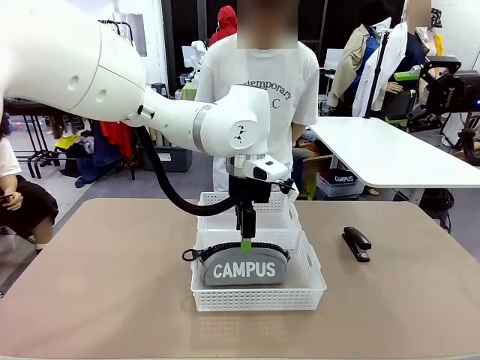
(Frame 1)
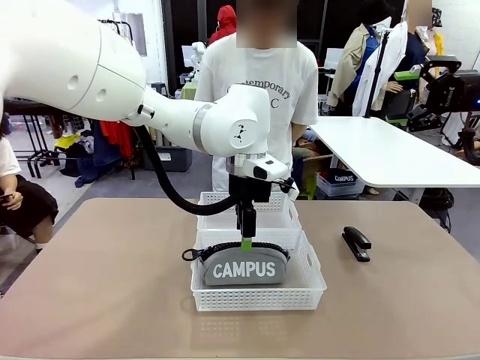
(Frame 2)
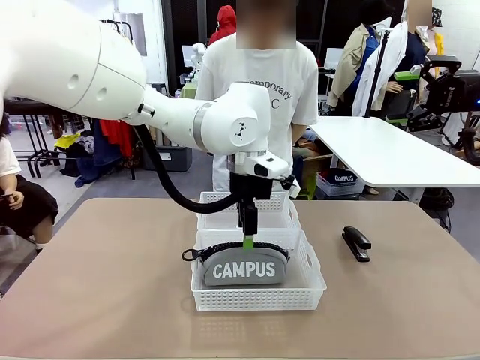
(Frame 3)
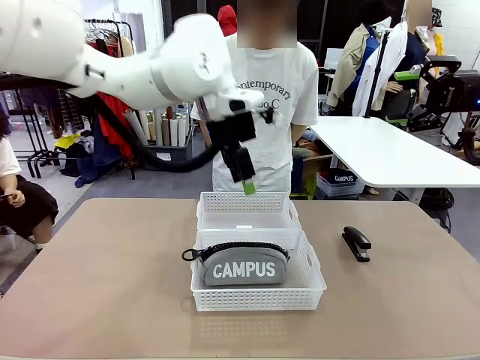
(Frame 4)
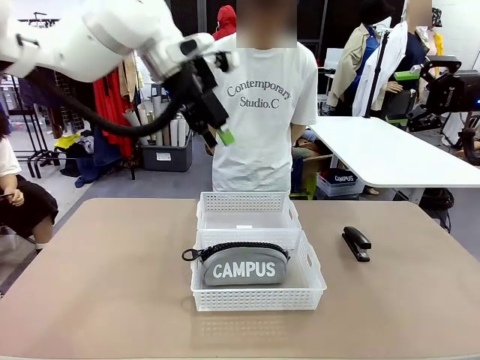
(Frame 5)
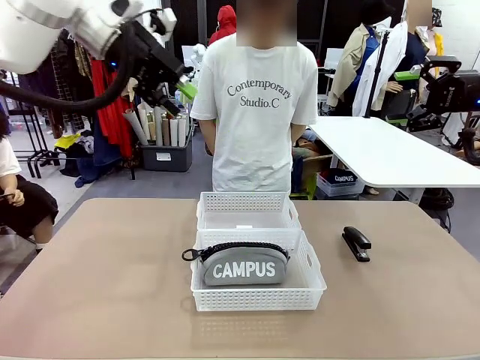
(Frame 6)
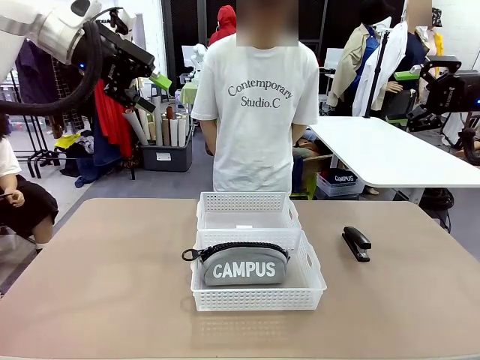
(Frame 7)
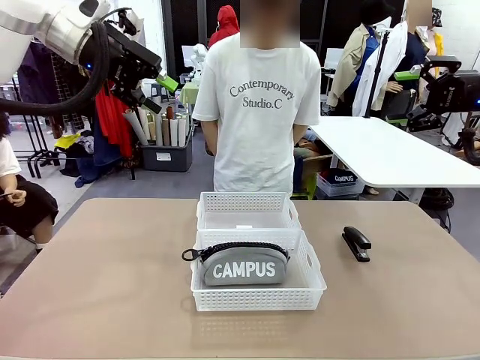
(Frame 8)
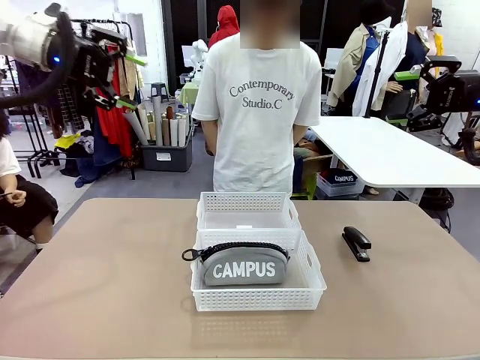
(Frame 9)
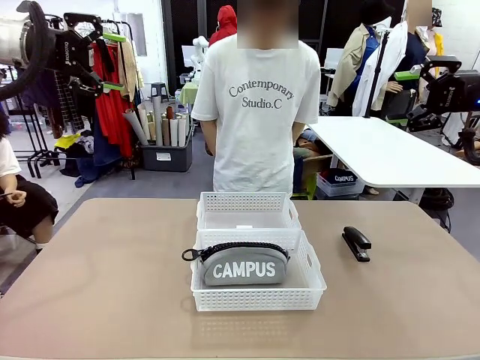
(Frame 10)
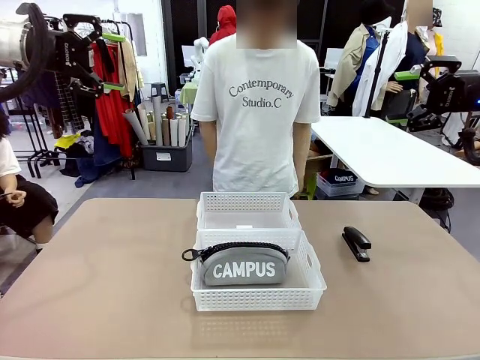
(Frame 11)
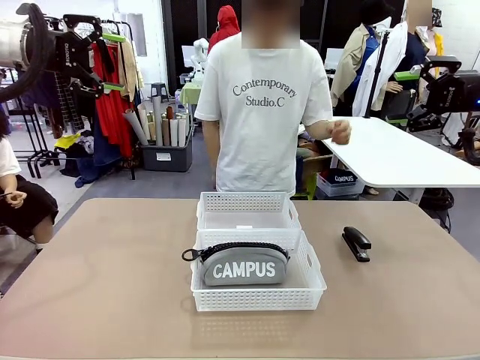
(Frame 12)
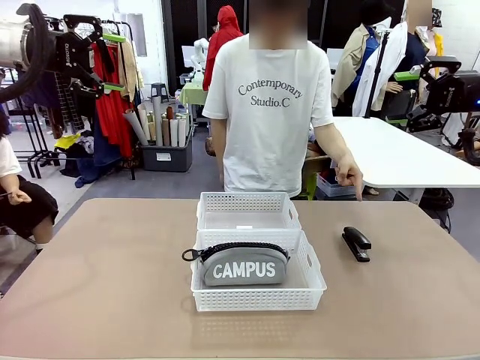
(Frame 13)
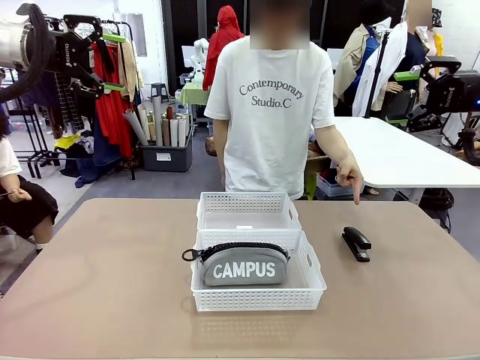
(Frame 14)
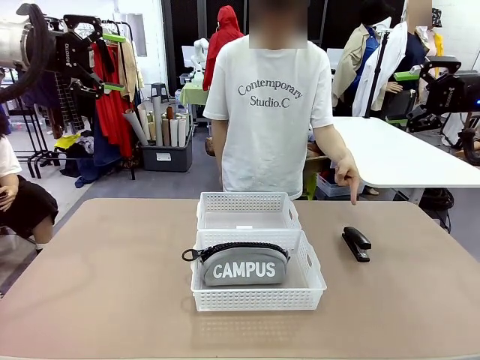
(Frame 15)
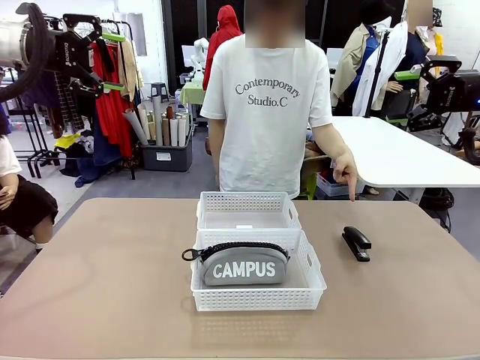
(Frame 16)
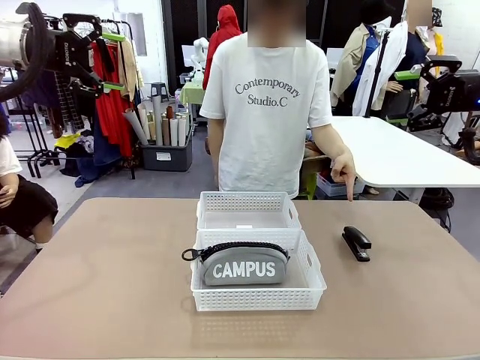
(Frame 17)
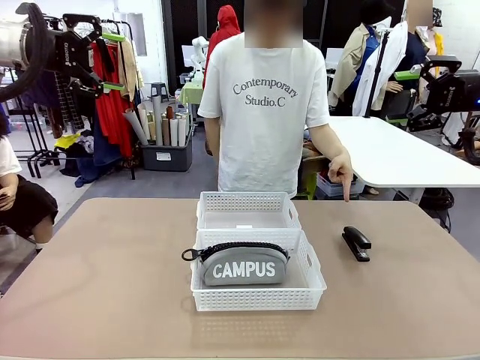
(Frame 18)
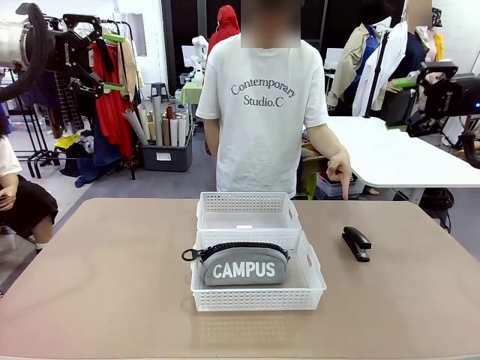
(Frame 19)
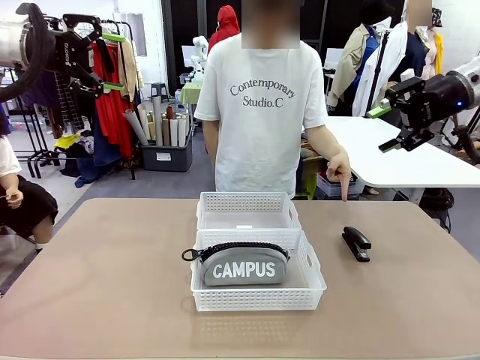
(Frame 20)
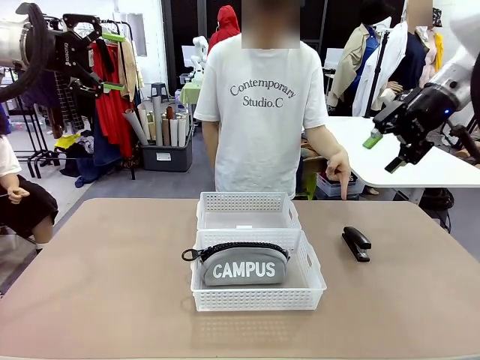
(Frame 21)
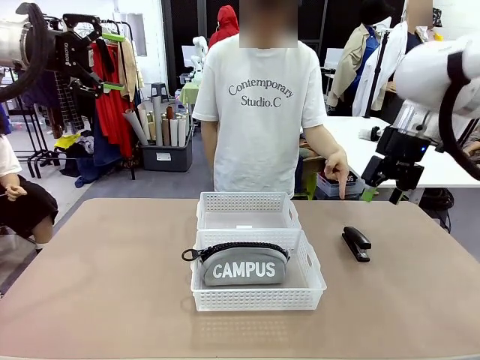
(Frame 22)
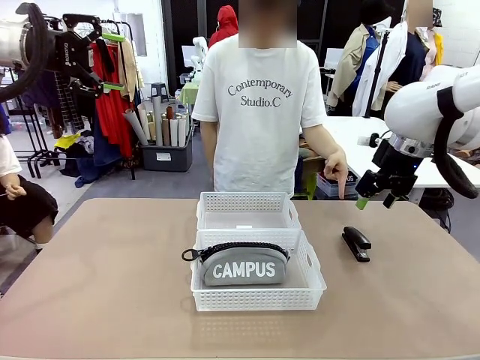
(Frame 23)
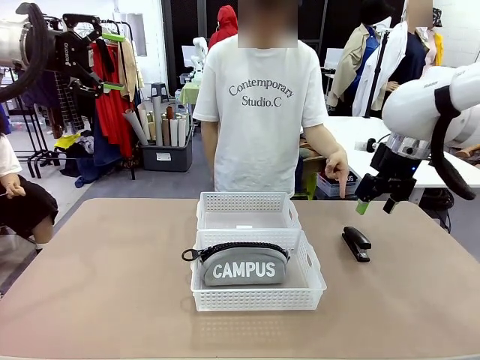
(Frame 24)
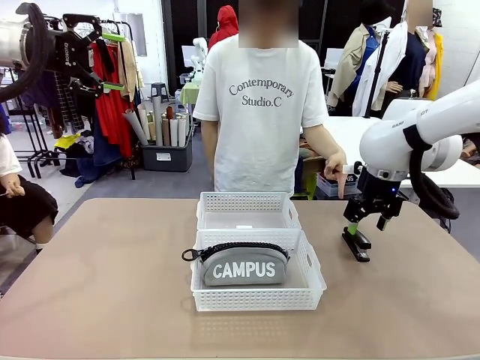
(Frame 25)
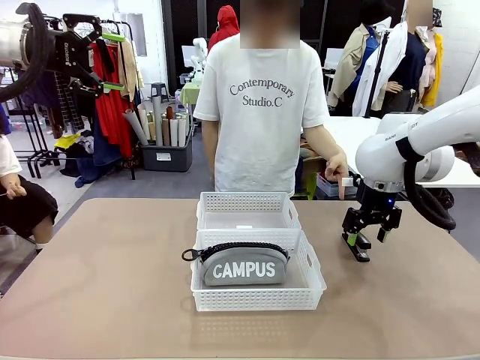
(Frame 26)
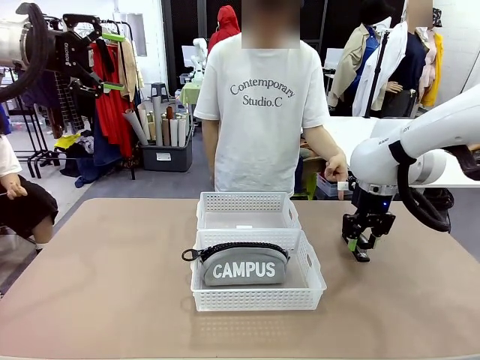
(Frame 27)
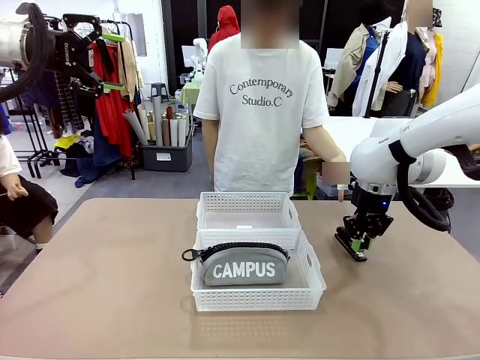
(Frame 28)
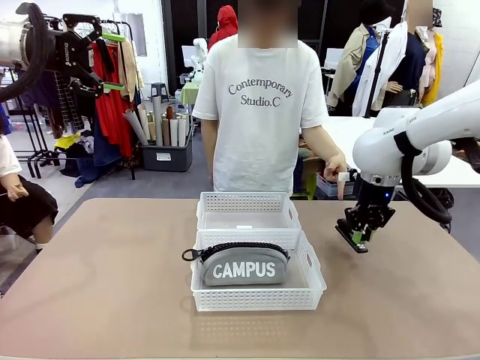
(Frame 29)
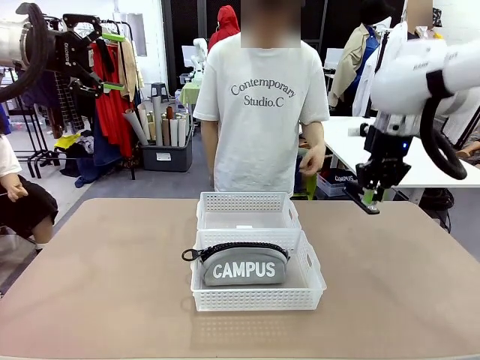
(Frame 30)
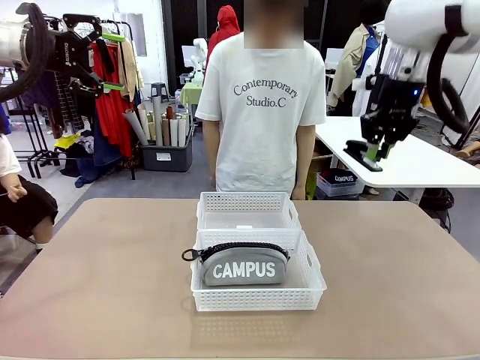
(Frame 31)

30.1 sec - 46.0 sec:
Task: Distribute items into two baskets.
Robot: Pick up the Stapler that the person points to.
Person: Points to the stapler.

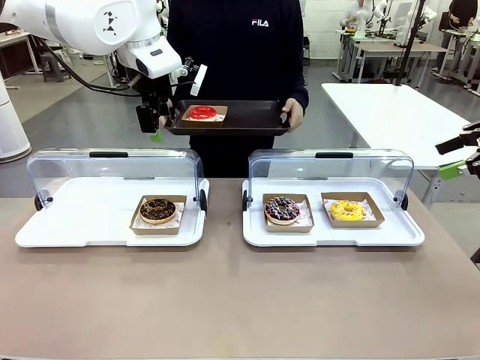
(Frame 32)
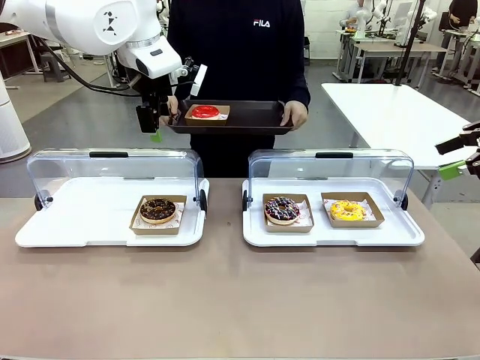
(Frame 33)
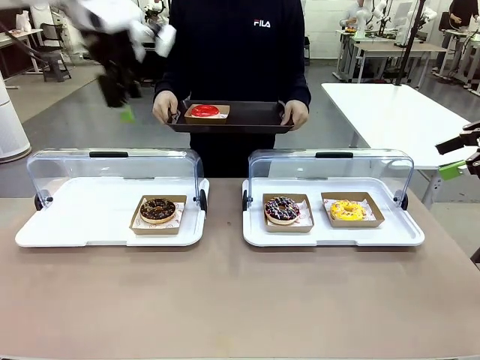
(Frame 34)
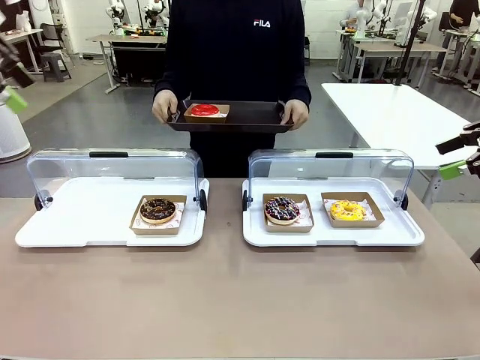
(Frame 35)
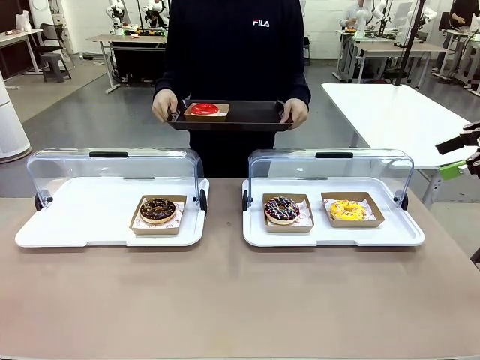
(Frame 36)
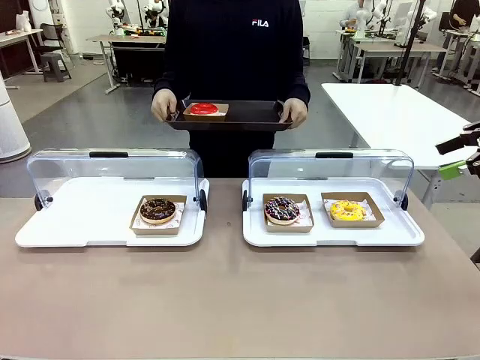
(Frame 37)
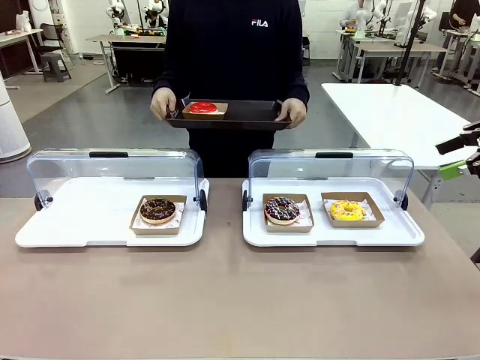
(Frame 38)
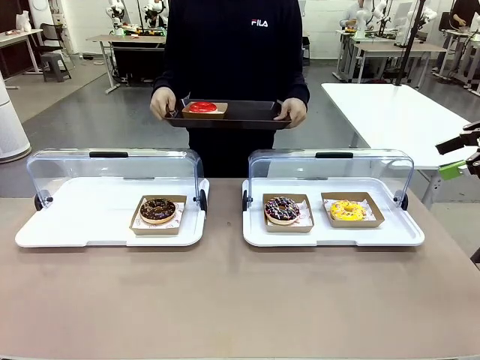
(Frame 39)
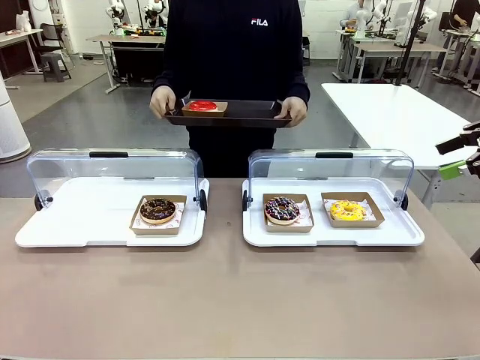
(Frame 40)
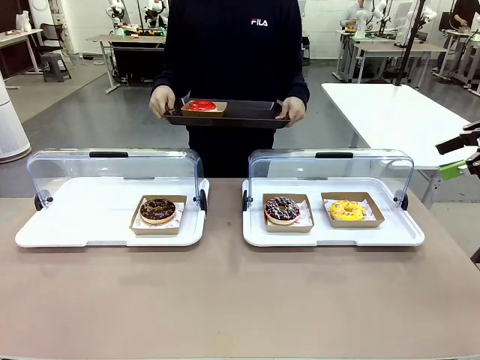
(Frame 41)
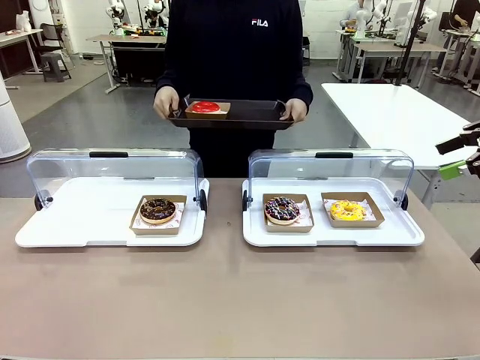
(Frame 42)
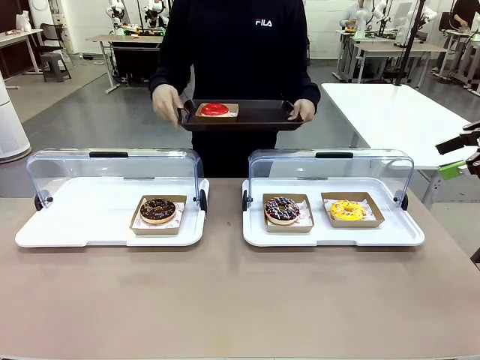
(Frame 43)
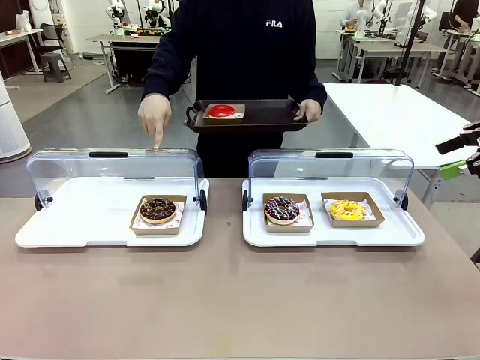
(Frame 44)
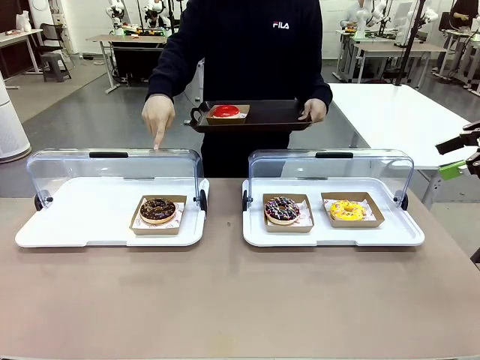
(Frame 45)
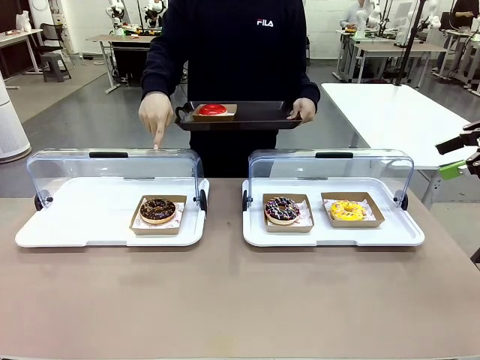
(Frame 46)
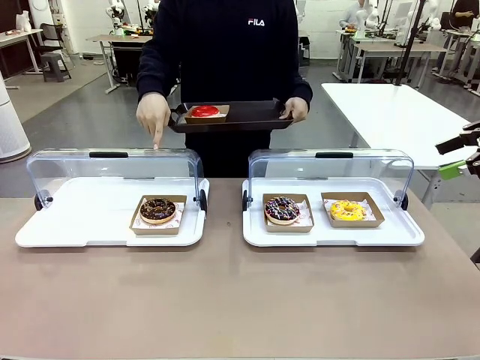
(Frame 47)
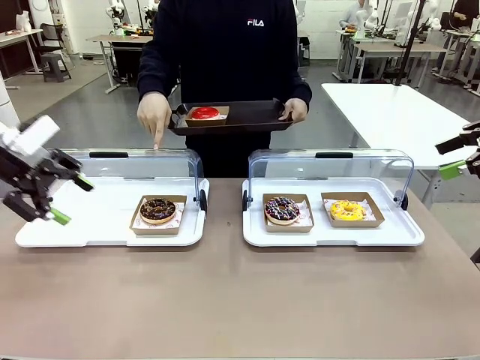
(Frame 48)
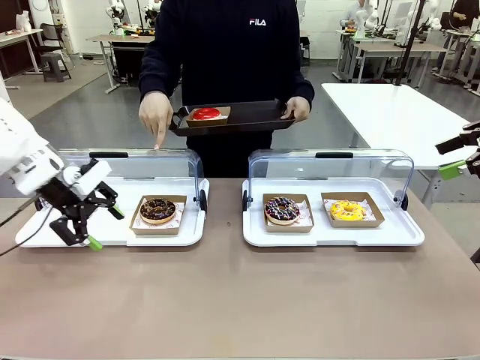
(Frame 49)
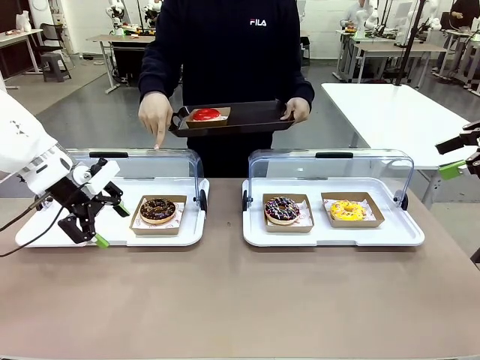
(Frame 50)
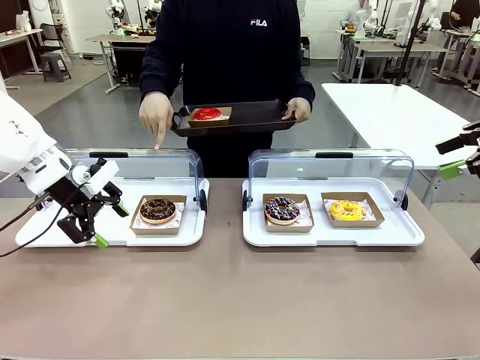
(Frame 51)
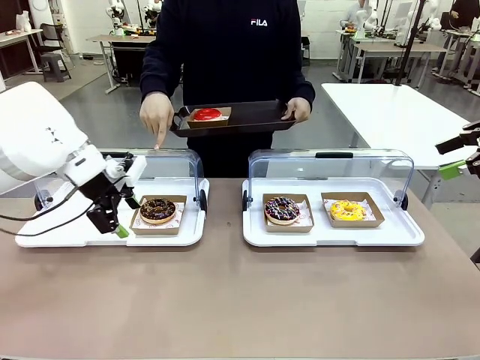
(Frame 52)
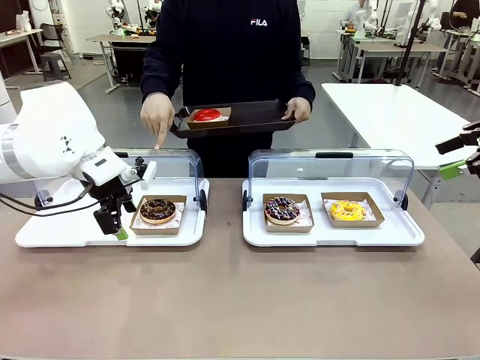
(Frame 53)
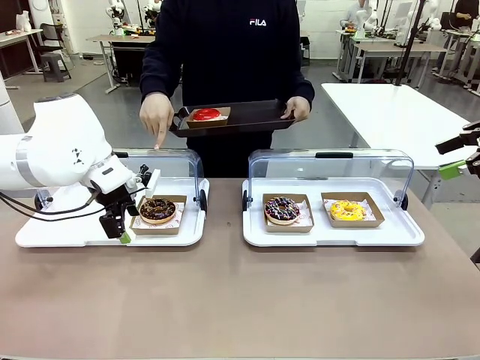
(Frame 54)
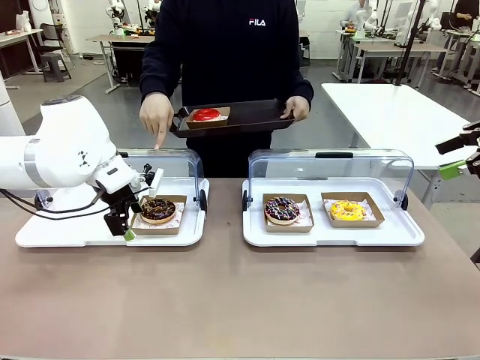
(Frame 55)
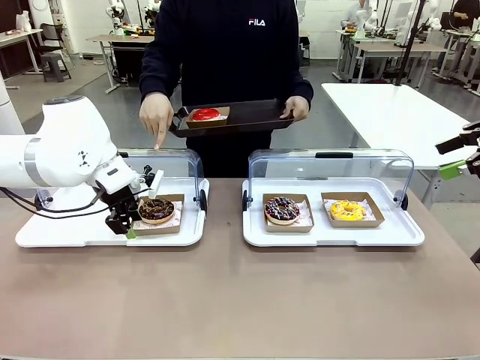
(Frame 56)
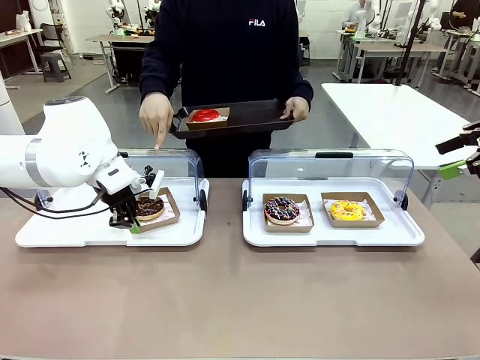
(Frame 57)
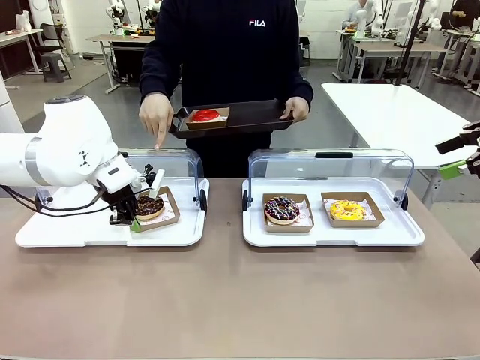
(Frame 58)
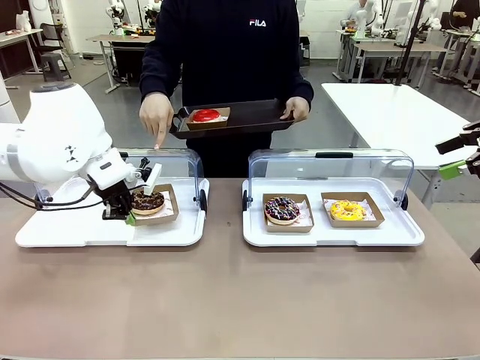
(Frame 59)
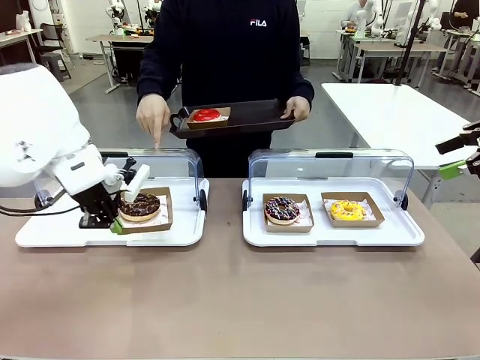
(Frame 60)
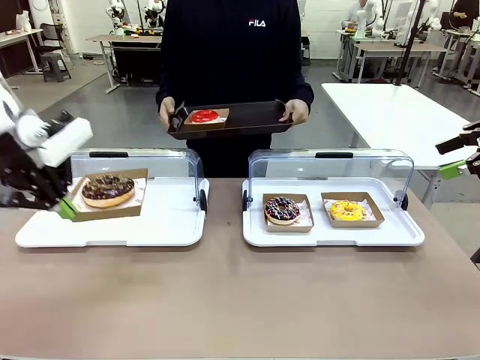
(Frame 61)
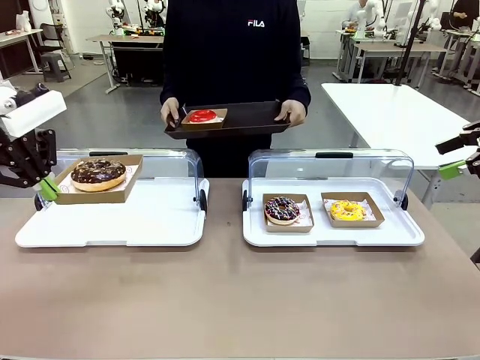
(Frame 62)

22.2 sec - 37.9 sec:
Task: Provide the desired donut to the person.
Robot: Pick up and lift the Paper togo box containing the Donut pointed at by the person.
Person: Point to one donut. Lift the tray onto the Roll-Top Bakery Case.
